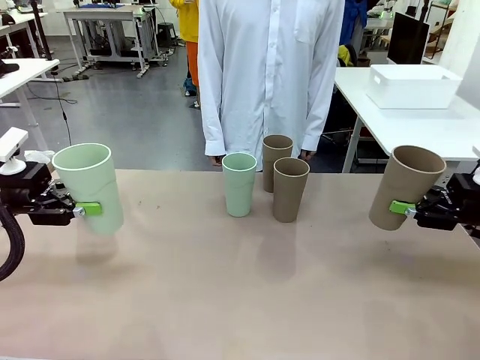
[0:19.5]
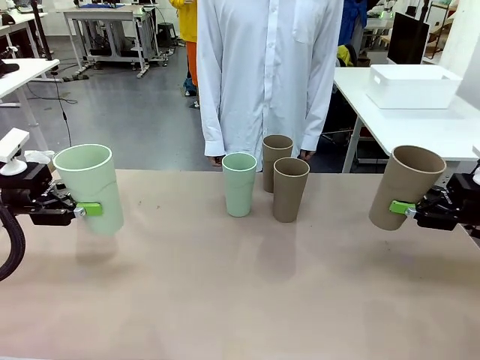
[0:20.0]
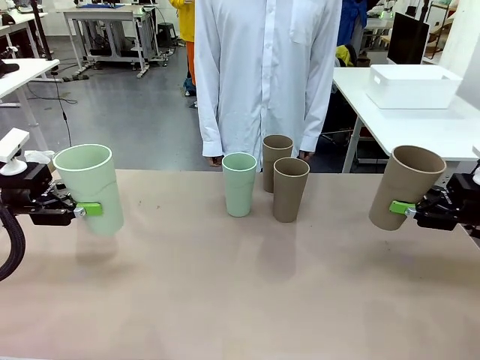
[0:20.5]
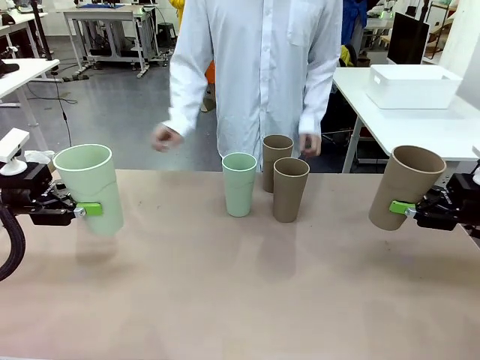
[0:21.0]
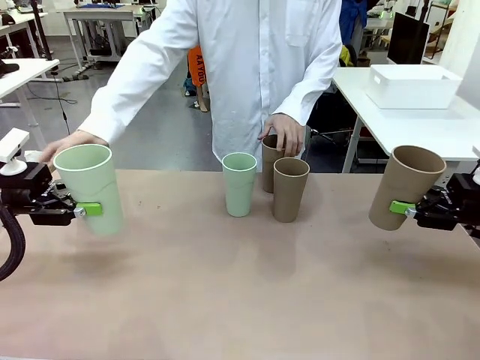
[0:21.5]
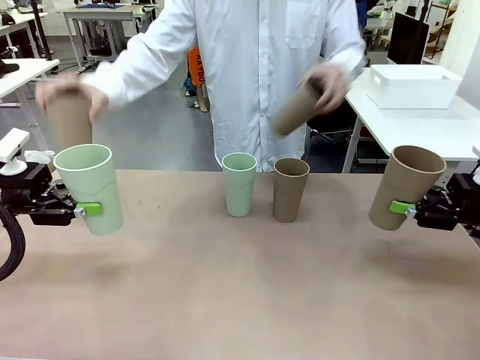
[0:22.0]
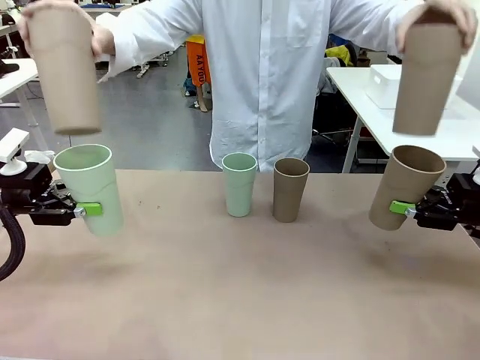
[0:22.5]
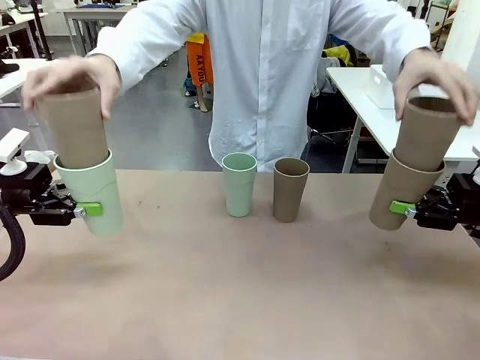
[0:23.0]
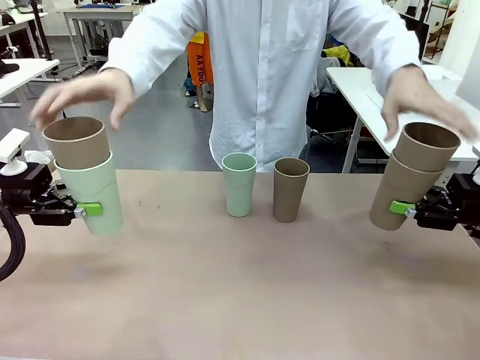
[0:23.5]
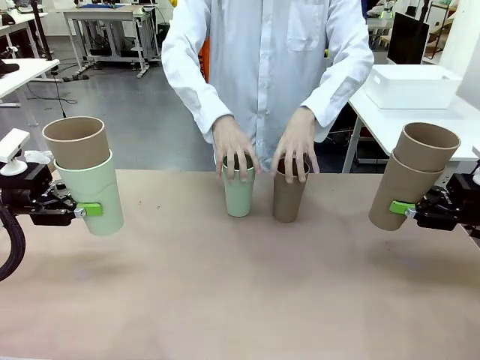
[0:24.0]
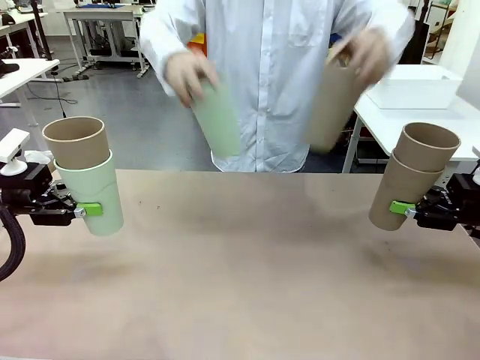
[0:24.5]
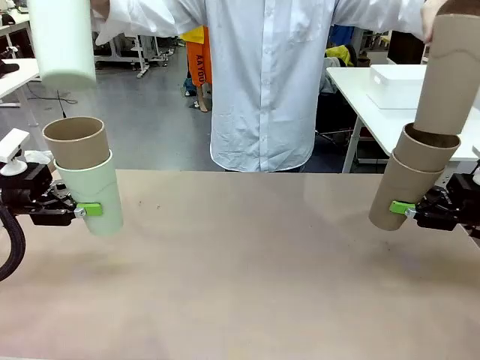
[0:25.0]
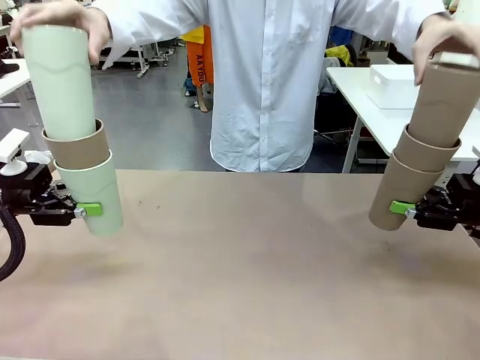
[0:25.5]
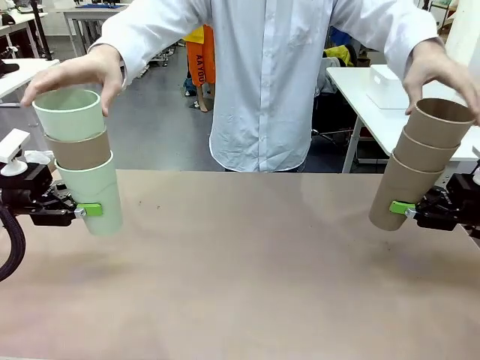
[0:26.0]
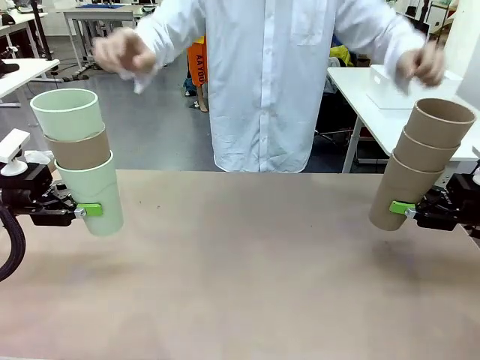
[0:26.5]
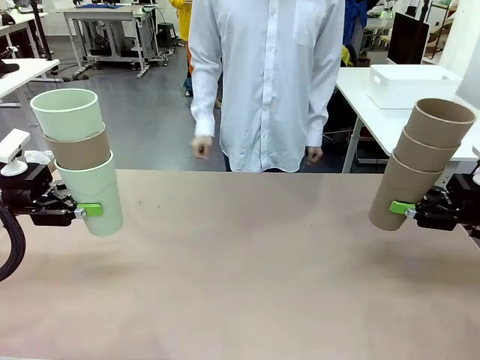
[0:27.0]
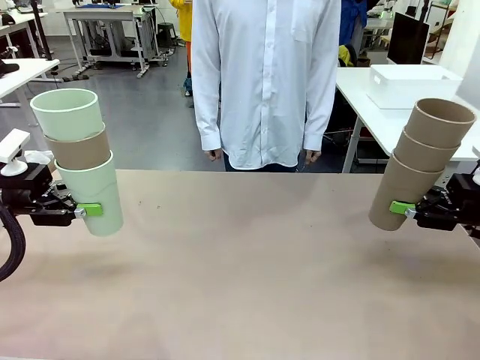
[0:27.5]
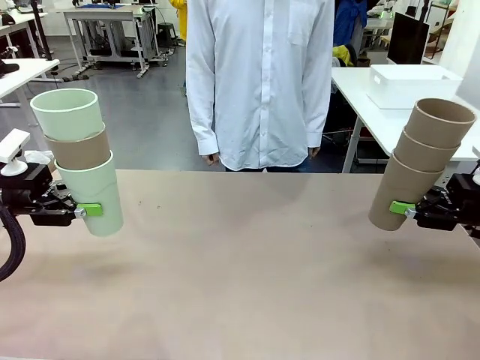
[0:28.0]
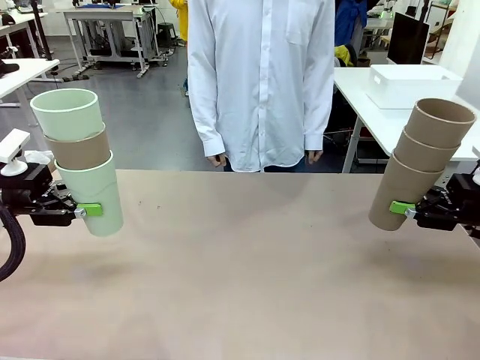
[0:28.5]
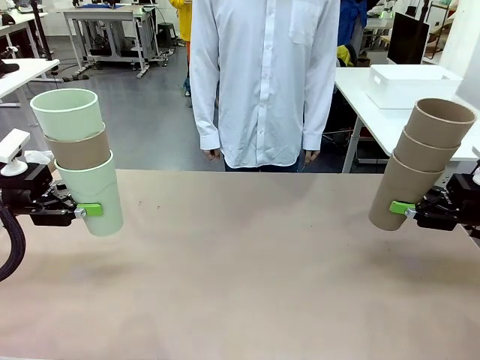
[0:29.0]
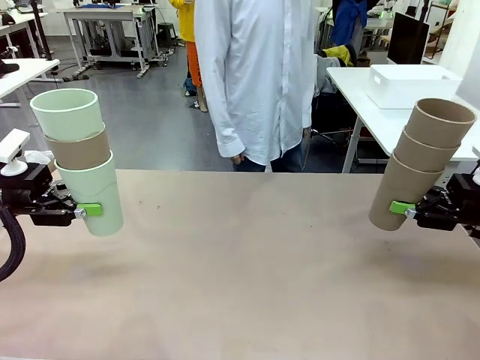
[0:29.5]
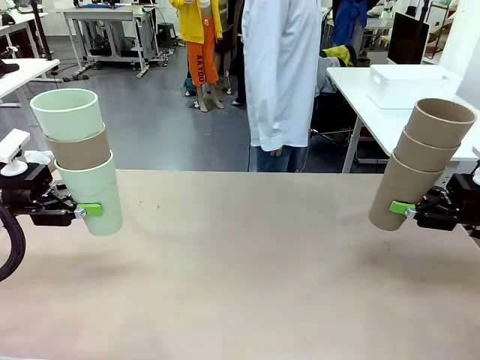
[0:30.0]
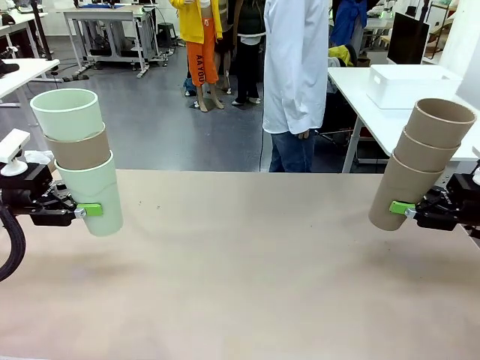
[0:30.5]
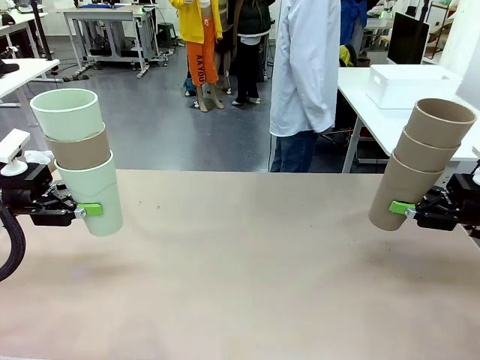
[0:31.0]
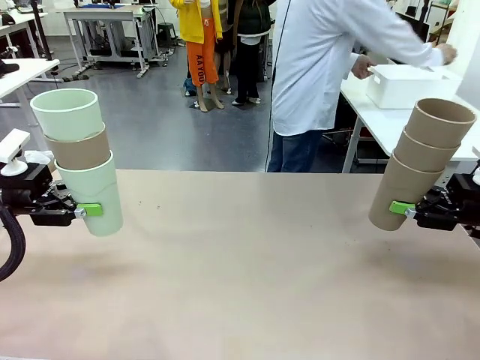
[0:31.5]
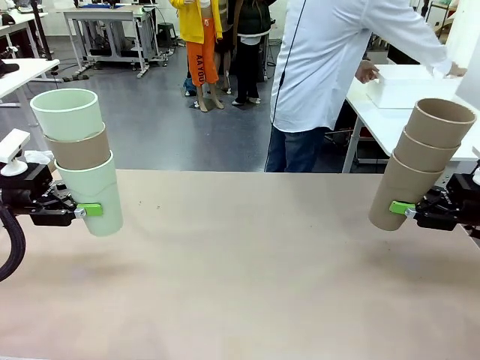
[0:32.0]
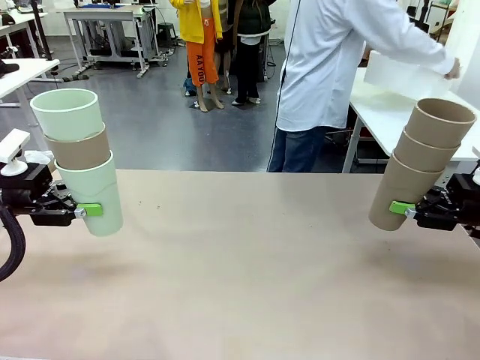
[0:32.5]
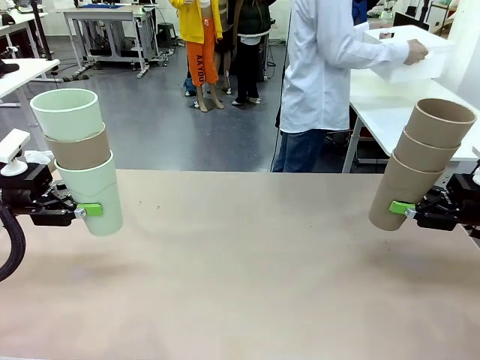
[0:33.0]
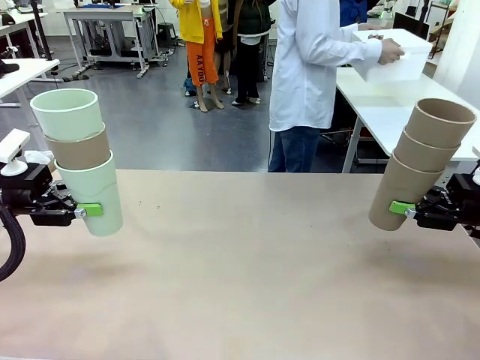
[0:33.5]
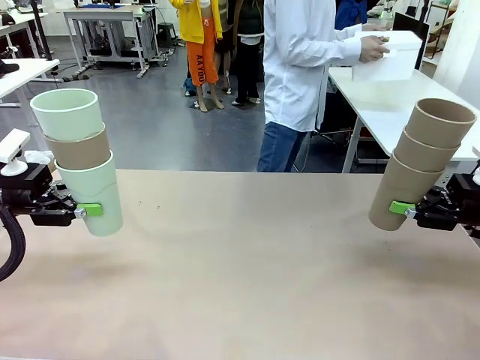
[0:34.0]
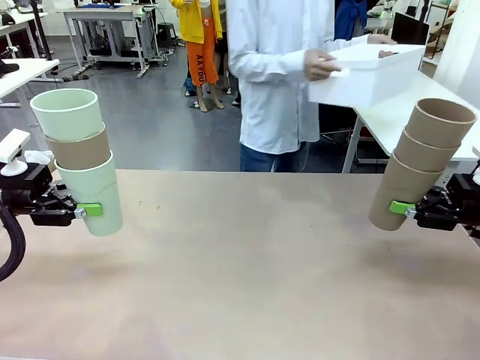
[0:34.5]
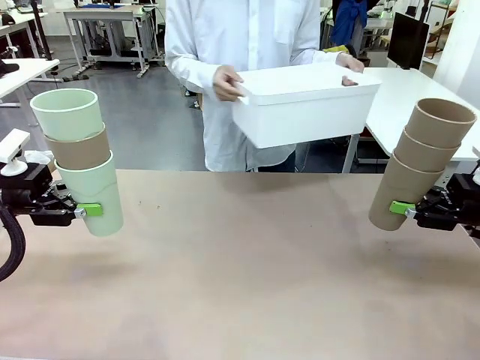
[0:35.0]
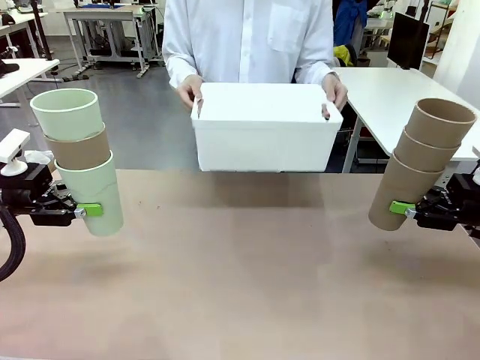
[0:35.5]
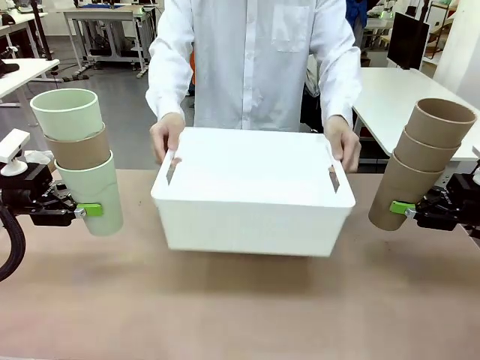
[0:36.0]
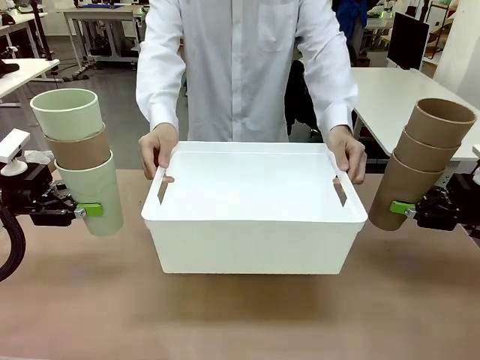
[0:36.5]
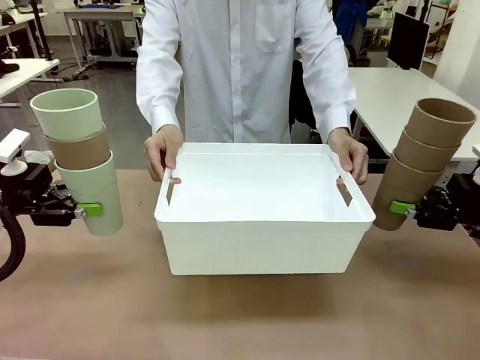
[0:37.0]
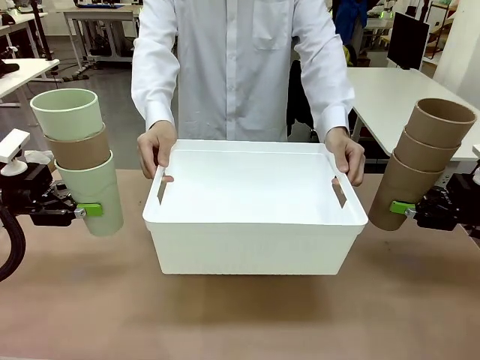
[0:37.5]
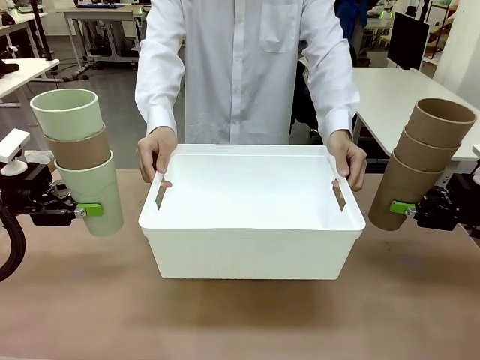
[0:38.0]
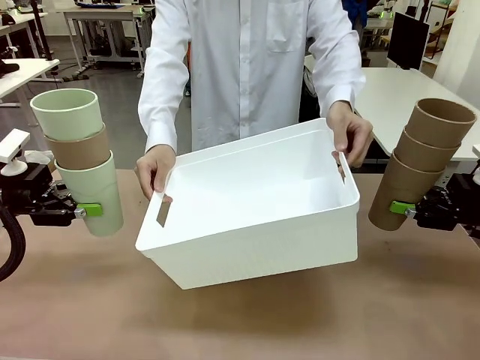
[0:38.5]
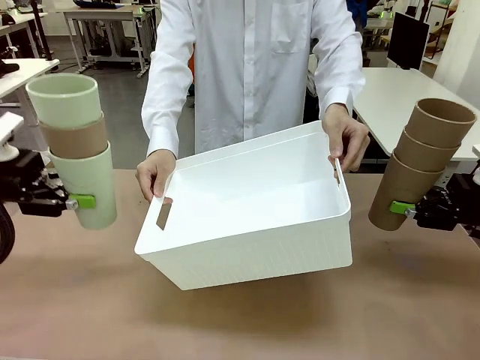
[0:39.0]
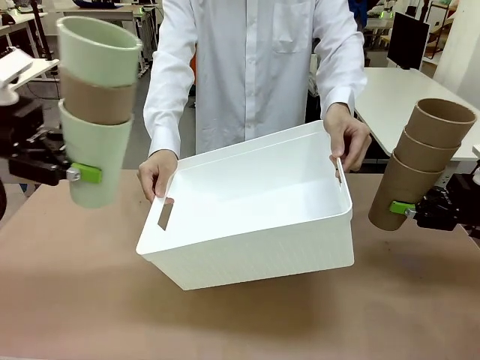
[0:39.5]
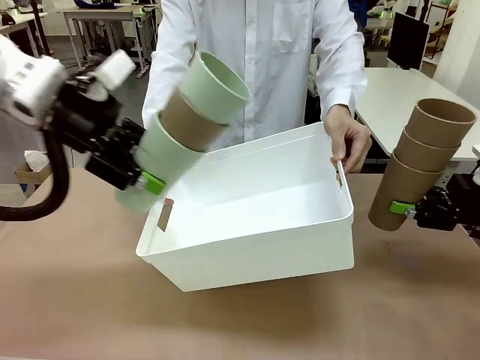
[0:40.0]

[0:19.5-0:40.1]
Task: Stack the cups and store them in the basket.
Robot: Place the stack of Reusable plastic cups into the Pantry Basket.
Person: Pick up the basket from the Human Table, bring it to the front of the robot, and present it.

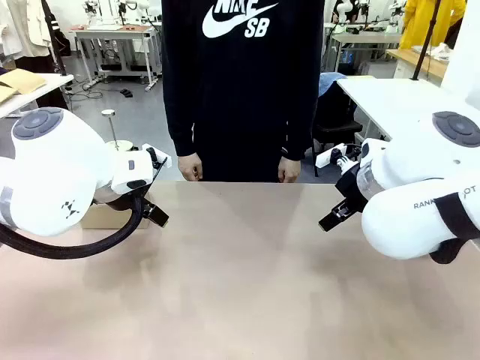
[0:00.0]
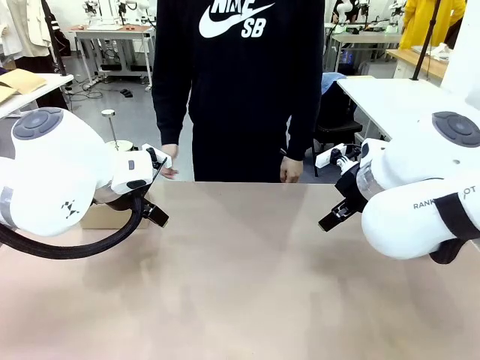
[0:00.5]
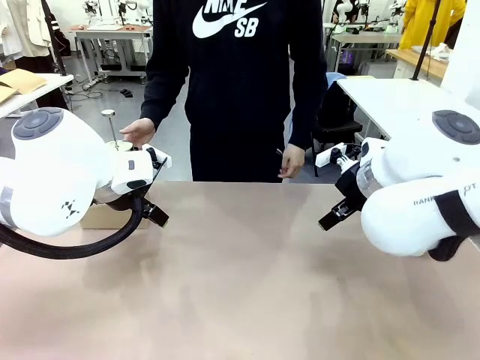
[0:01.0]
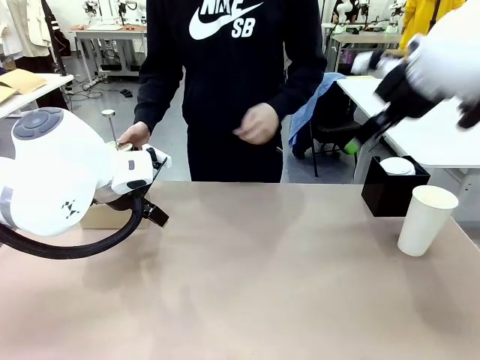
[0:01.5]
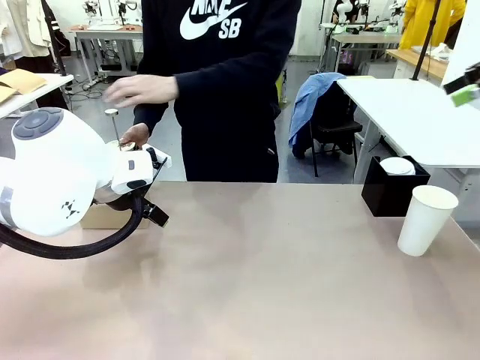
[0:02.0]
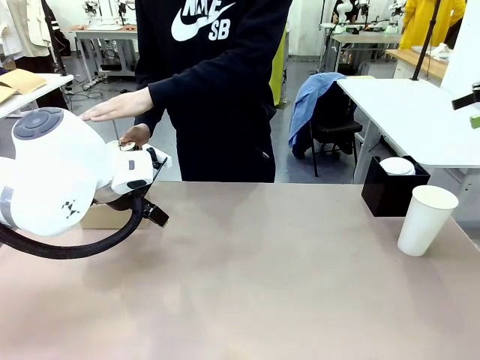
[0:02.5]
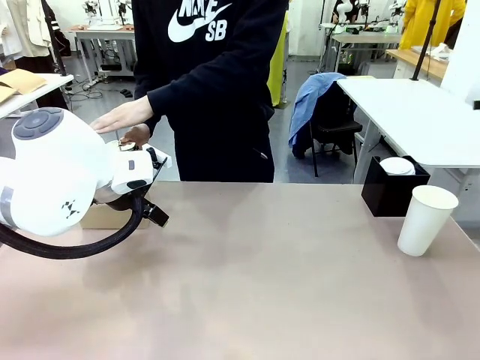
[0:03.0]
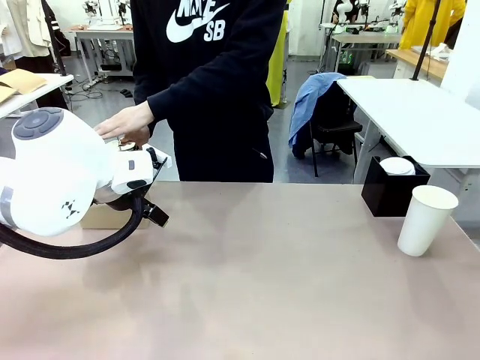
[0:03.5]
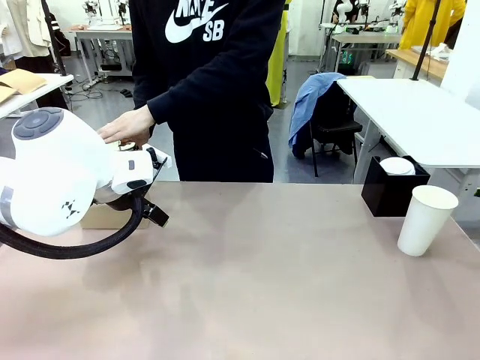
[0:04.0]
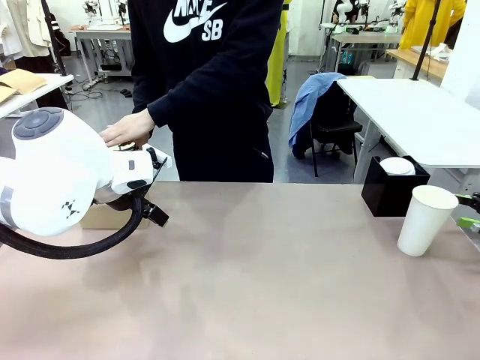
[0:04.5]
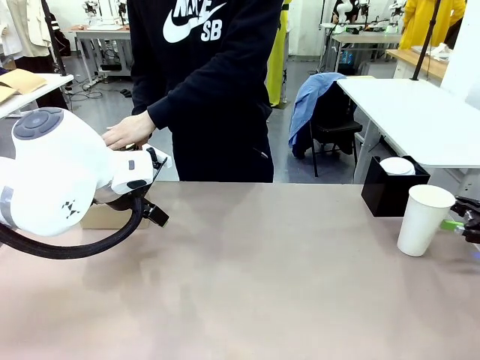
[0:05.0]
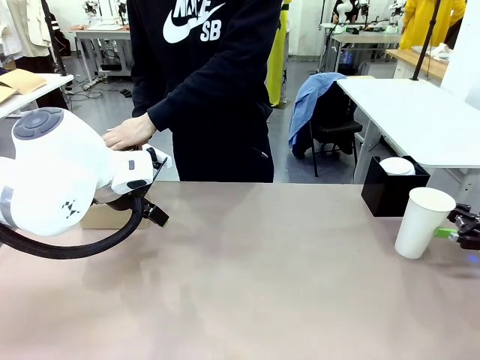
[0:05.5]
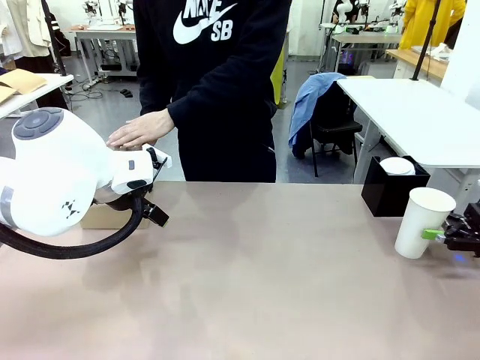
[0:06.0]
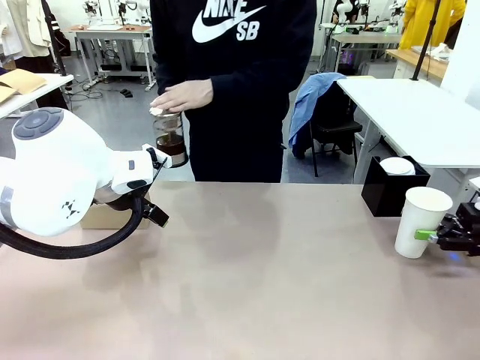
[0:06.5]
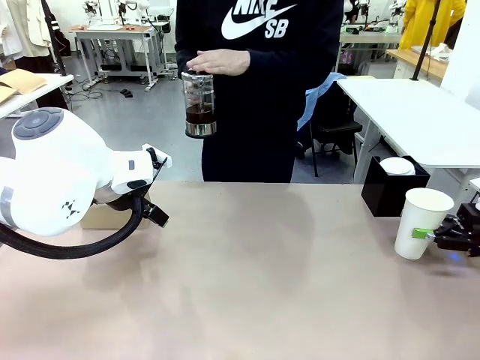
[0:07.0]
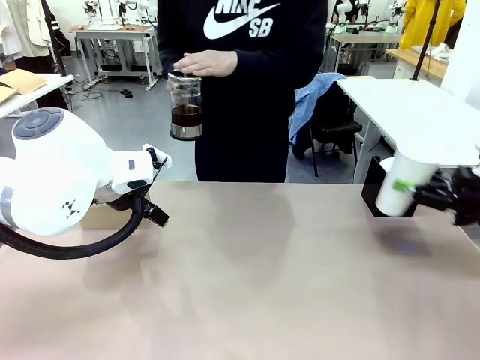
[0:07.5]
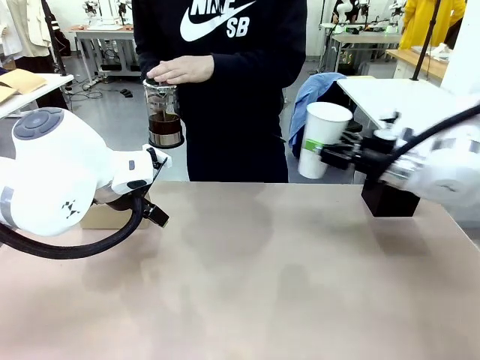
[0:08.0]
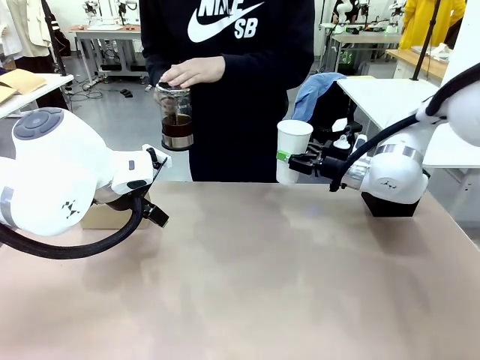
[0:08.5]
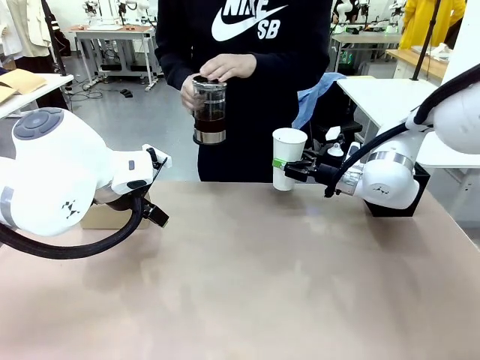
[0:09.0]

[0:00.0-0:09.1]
Task: Pour a drink into a cup and package it in a carrier.
Robot: Pick up the 600 ml Paper Cup and place it in the middle top area of the table.
Person: Press and pick up the Filter Brewing.
